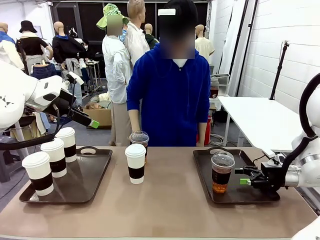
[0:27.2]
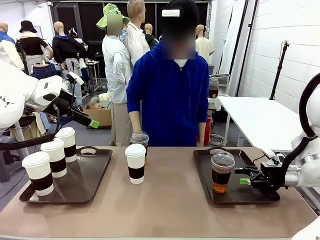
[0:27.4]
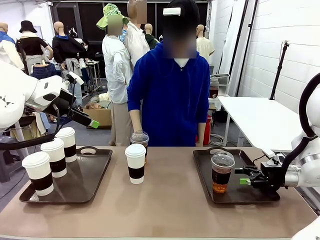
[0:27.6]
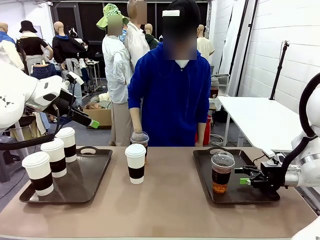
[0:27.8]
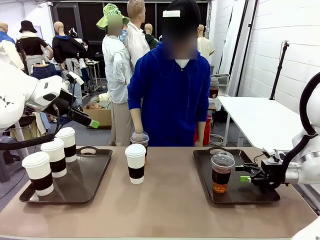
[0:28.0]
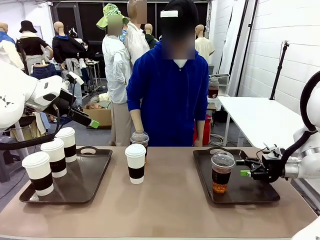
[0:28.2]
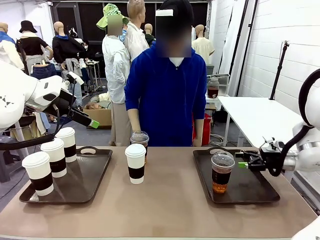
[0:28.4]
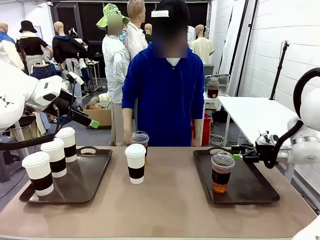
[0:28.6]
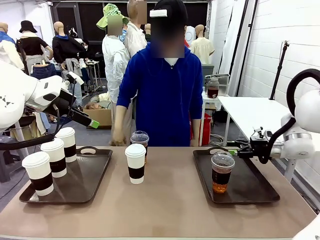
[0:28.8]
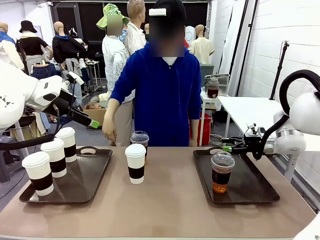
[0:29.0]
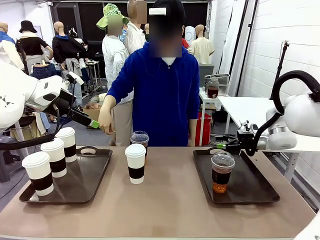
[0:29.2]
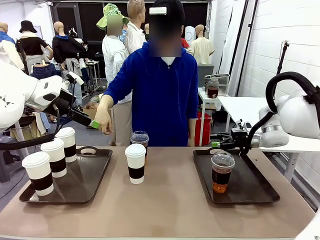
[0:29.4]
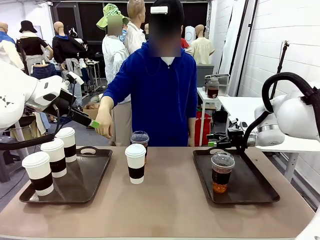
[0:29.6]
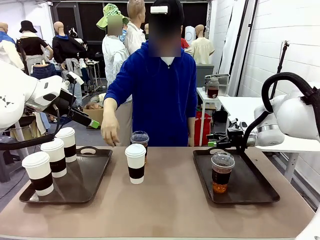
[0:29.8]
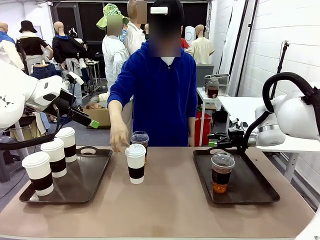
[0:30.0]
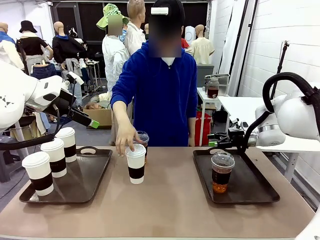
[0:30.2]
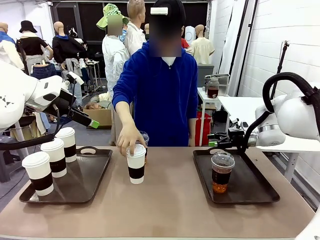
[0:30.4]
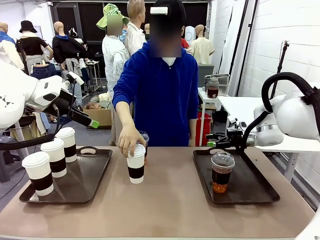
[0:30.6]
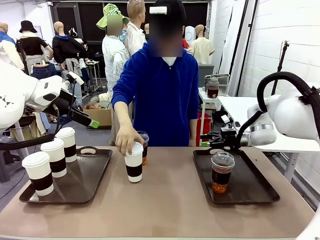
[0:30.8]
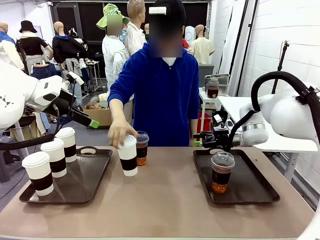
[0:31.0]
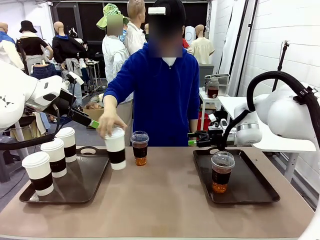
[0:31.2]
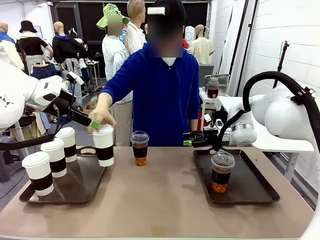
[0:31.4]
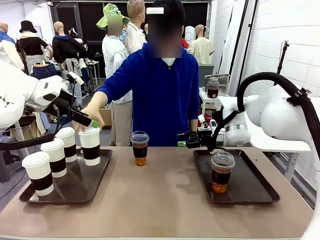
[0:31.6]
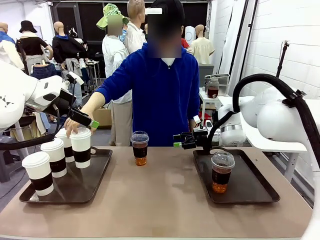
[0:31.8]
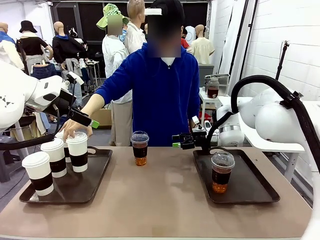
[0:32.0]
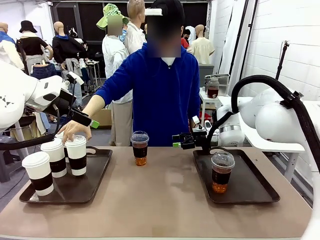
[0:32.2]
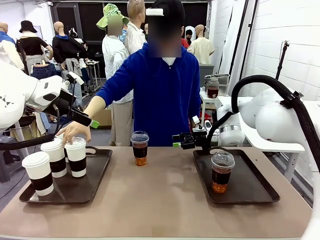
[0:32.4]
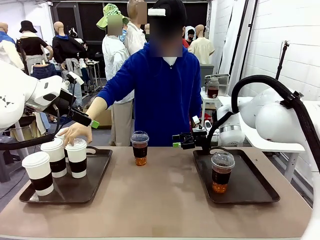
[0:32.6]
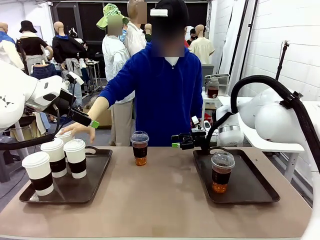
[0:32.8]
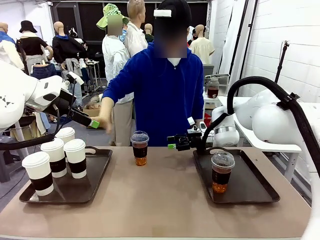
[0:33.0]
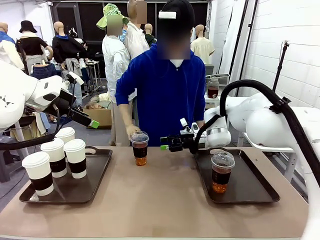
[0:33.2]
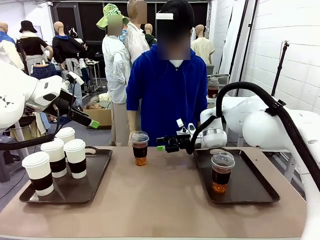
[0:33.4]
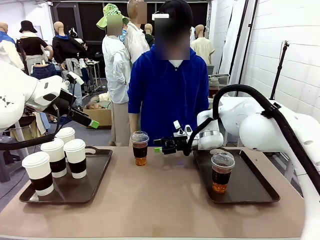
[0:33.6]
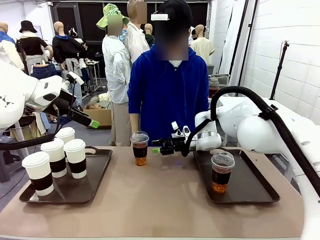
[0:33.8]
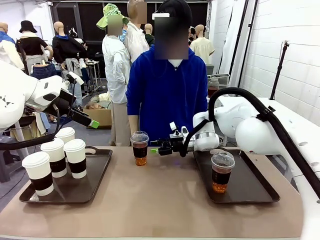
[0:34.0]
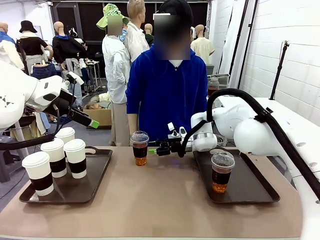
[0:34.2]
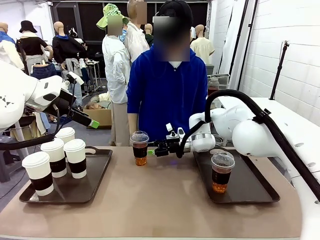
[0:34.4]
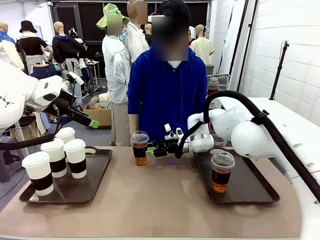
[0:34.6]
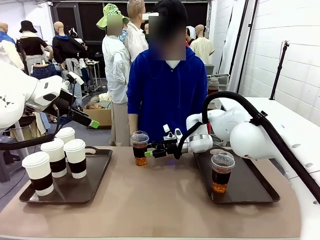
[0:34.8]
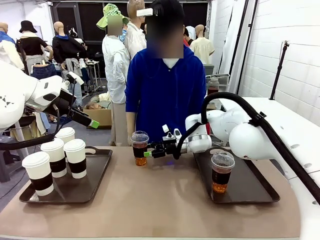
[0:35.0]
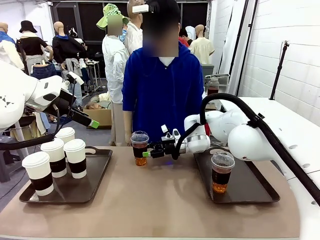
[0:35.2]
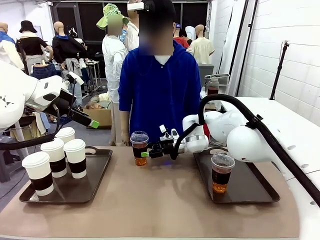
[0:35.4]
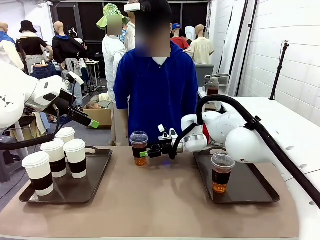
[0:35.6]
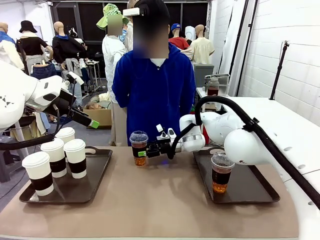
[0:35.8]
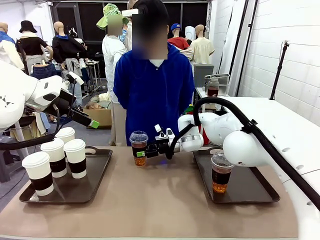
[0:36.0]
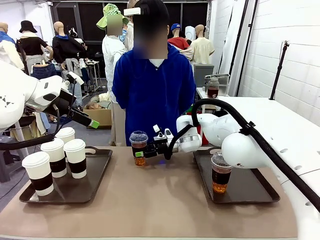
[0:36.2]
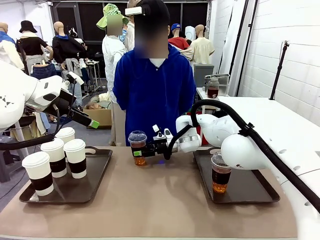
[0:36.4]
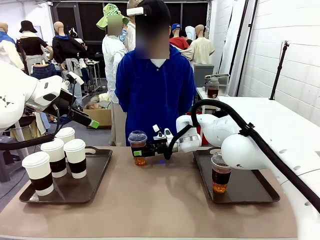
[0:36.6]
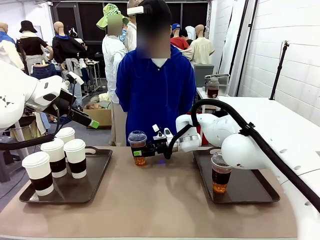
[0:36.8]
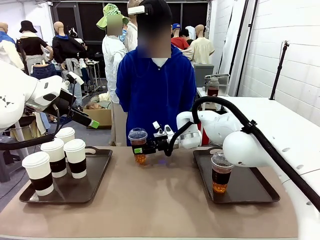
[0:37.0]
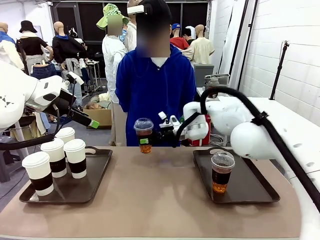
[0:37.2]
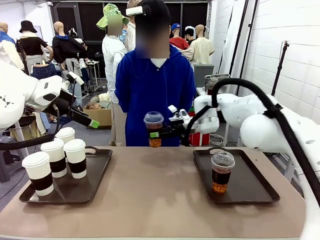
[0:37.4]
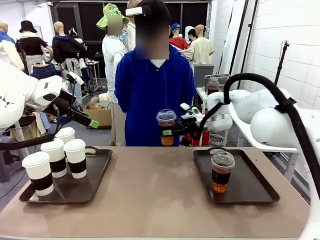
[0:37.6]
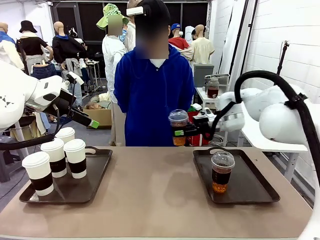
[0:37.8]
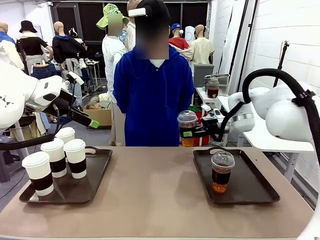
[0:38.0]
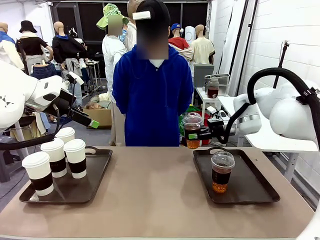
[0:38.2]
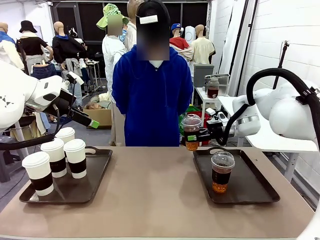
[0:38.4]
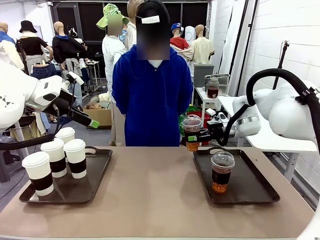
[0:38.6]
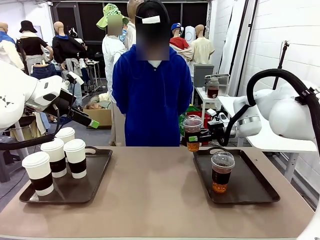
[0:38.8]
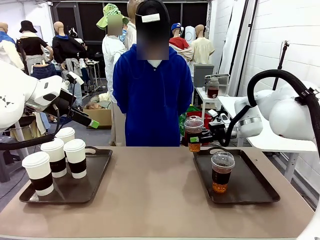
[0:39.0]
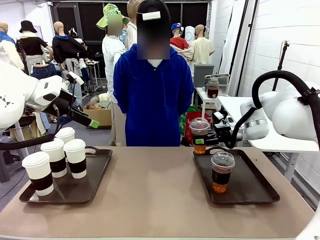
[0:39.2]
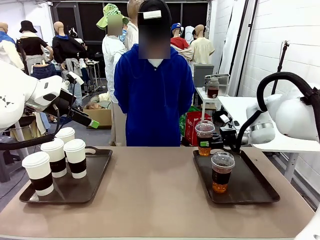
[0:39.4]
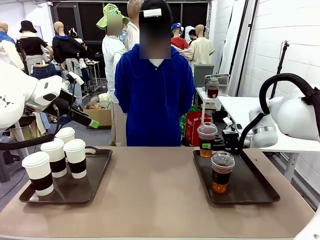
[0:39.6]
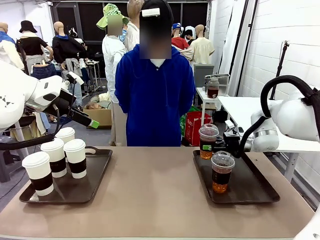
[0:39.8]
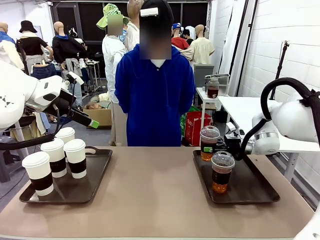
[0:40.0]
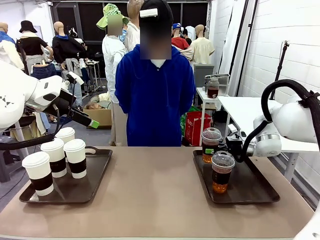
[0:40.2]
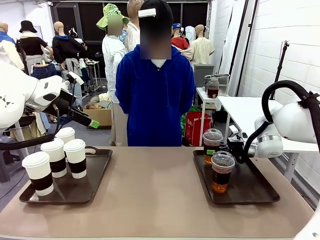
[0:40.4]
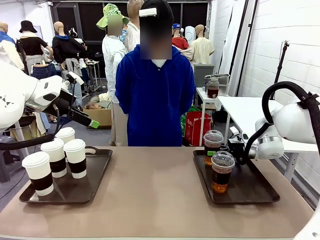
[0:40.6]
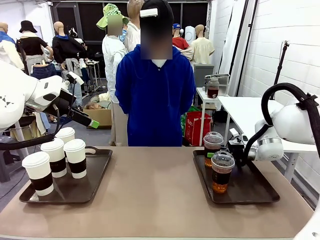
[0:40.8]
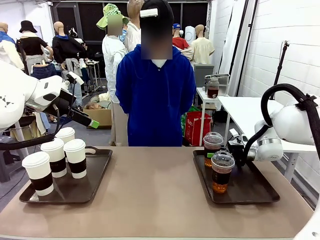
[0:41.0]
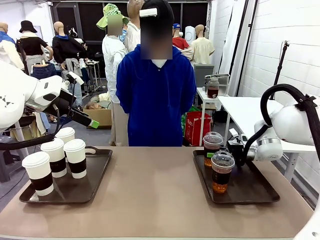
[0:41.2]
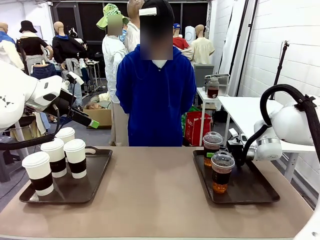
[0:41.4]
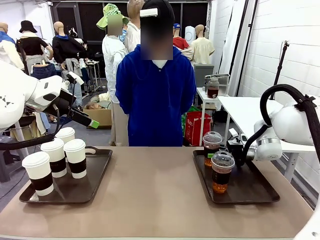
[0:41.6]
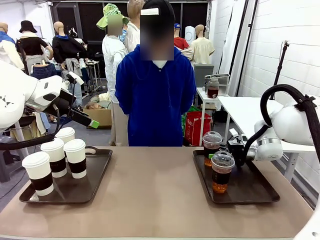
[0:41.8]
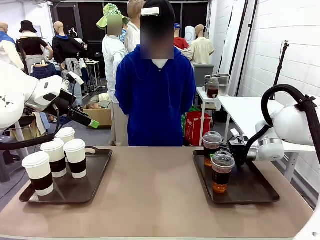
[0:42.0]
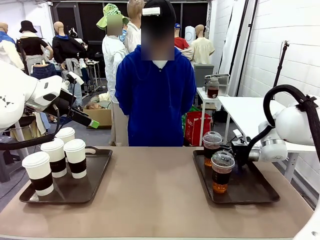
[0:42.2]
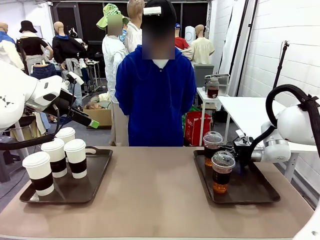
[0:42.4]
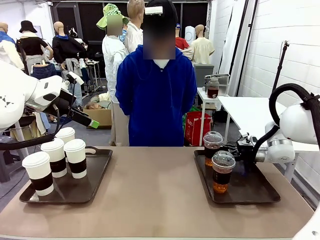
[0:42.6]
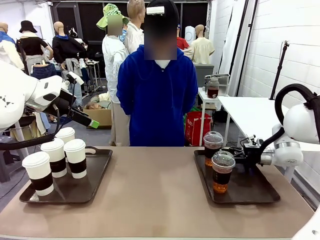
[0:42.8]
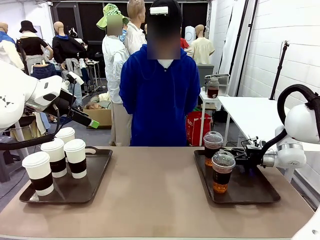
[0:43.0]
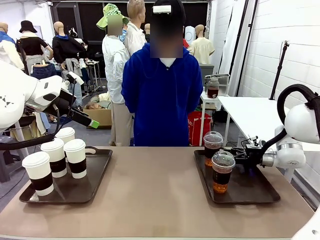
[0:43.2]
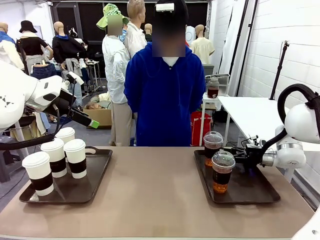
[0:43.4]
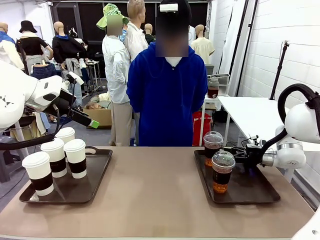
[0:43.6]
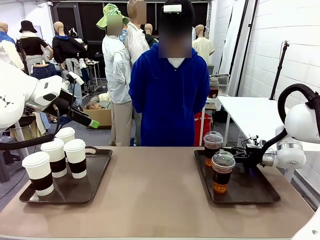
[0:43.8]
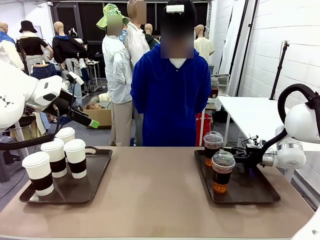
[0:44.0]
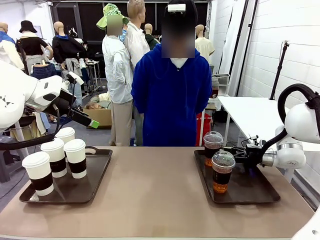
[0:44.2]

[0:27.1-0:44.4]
Task: Distribute the coffee onto the tray.
Robot: Pick up another iced Americano from the middle of the table and place it on the right Handle tray.
